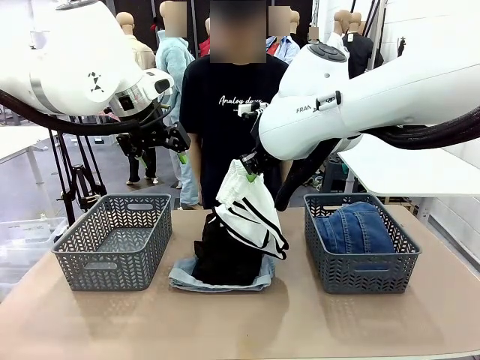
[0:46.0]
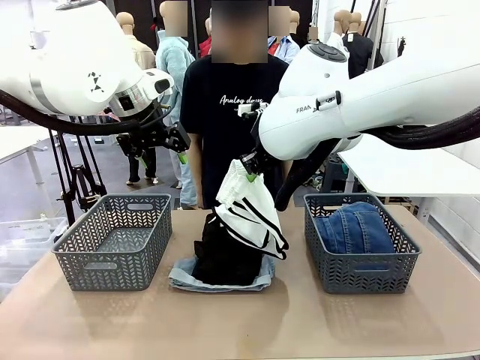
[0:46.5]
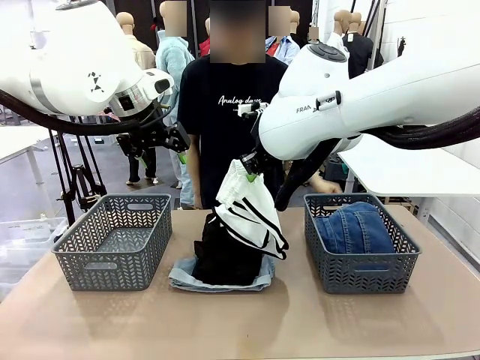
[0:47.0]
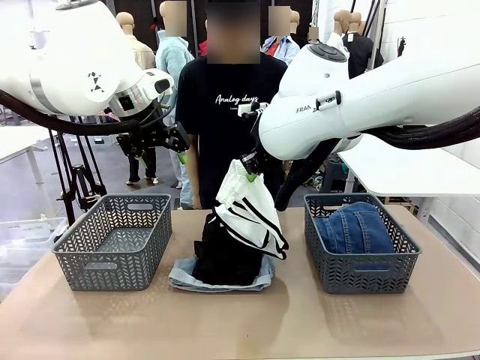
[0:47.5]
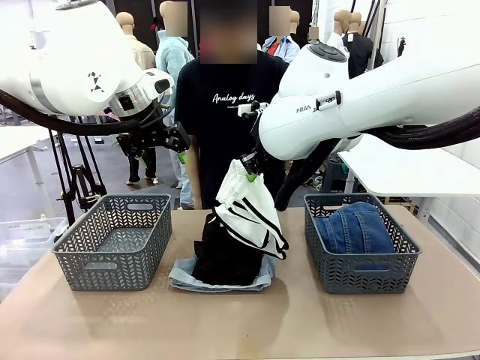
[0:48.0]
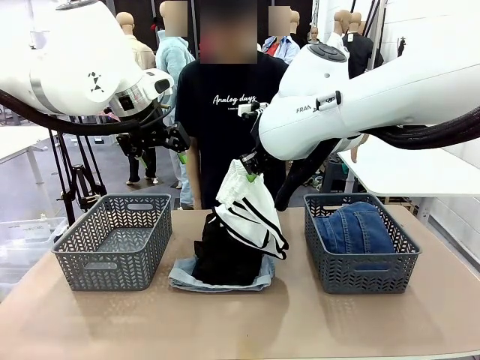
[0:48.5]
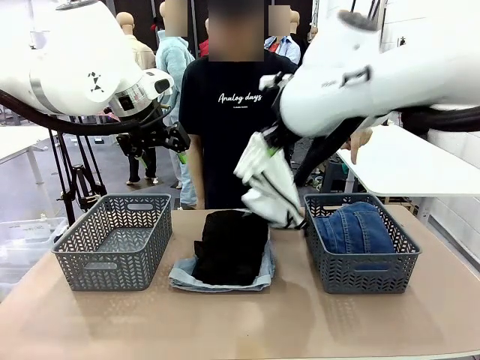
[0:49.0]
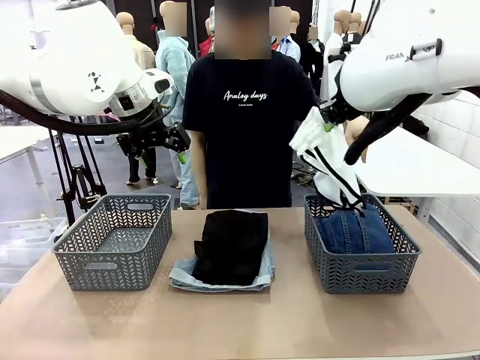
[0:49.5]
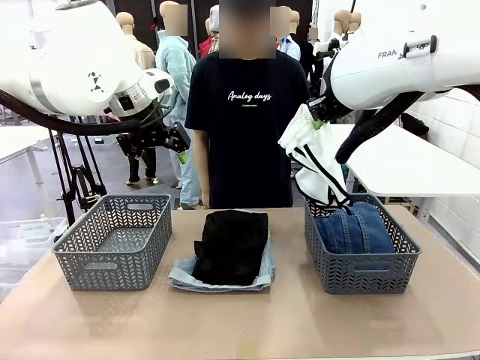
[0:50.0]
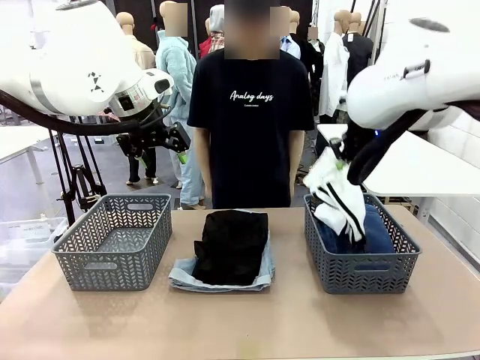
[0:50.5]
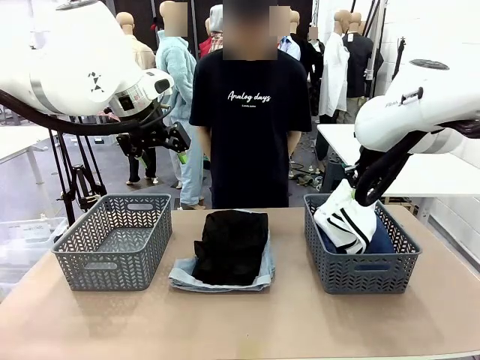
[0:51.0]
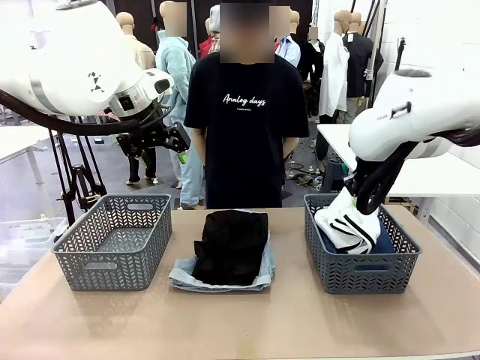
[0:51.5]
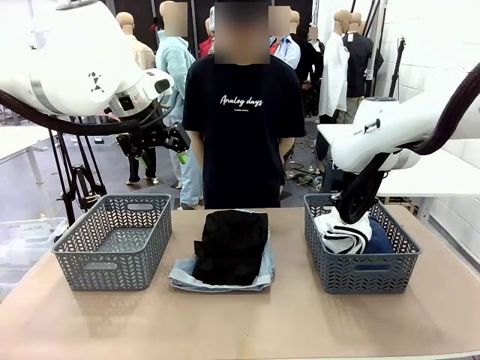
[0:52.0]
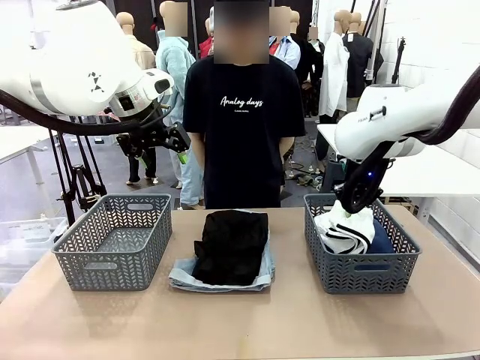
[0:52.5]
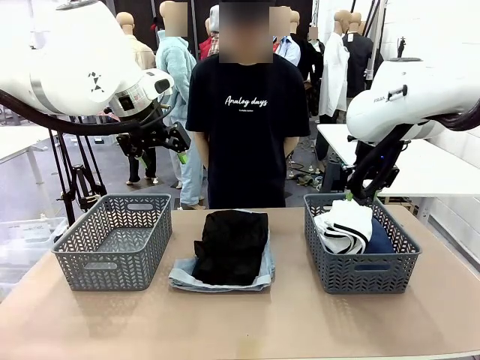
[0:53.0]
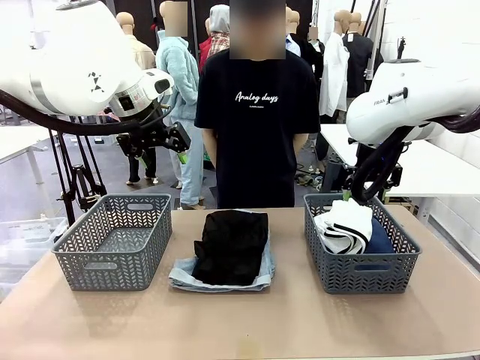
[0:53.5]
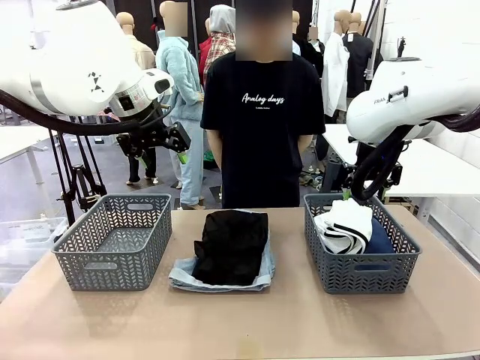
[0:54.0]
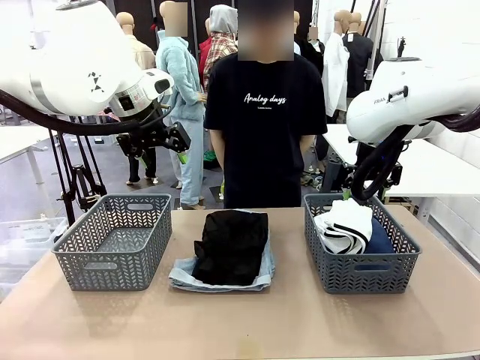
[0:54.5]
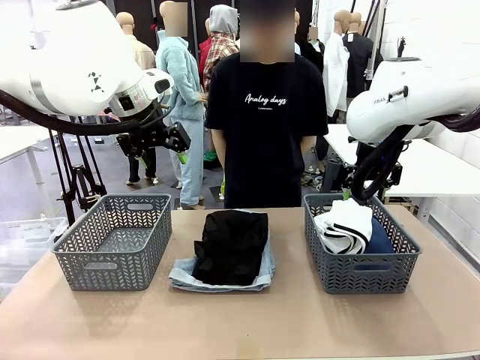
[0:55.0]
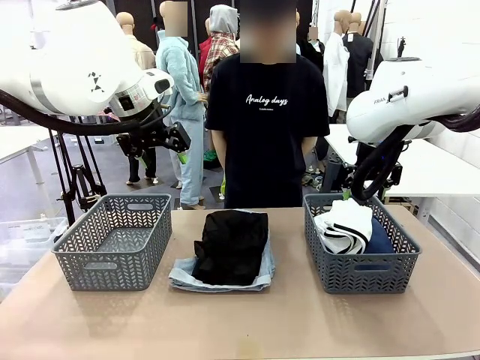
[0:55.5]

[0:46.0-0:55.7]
Task: Sort the tops and bottoms.
Robot: Sort the clothes according to human instructions.

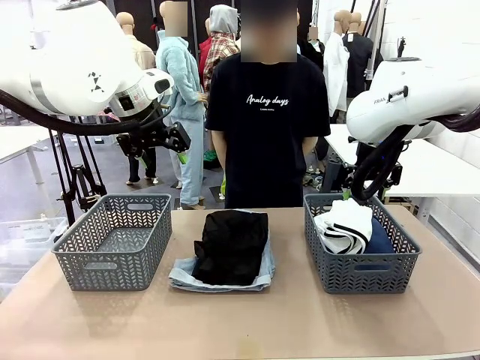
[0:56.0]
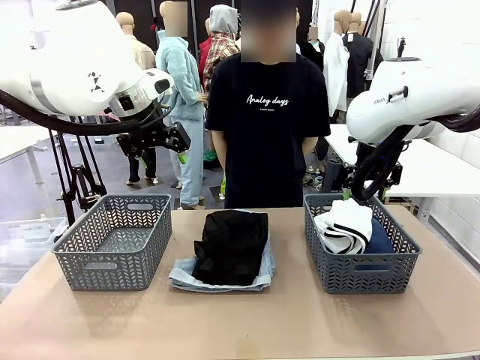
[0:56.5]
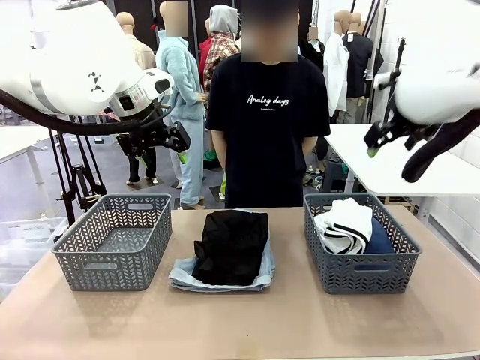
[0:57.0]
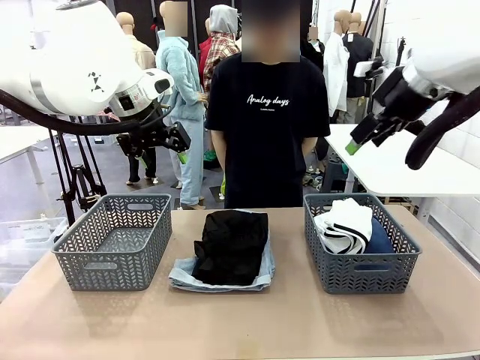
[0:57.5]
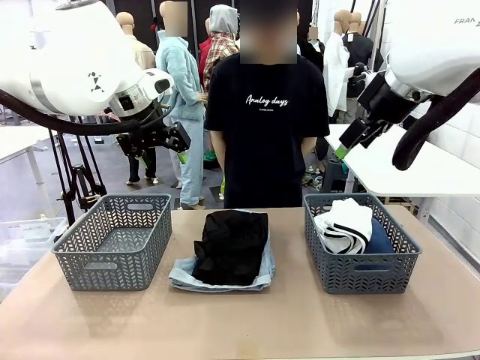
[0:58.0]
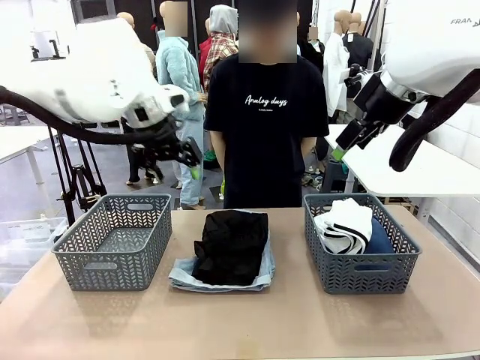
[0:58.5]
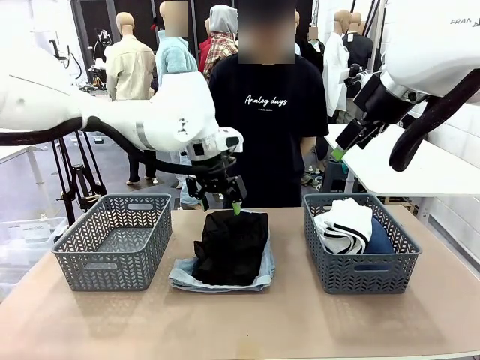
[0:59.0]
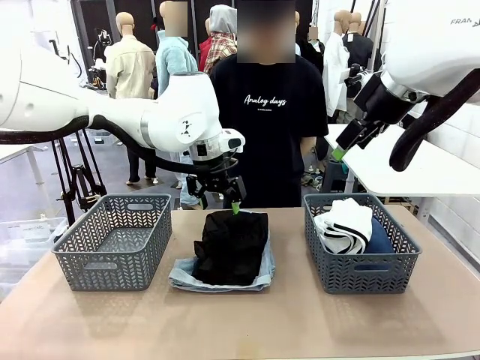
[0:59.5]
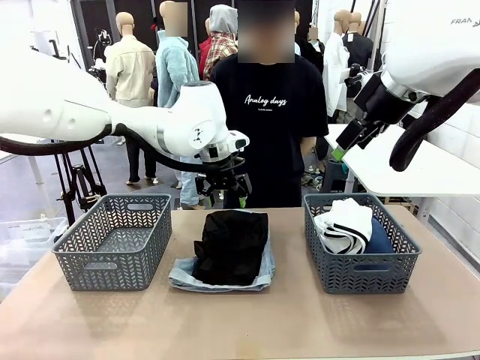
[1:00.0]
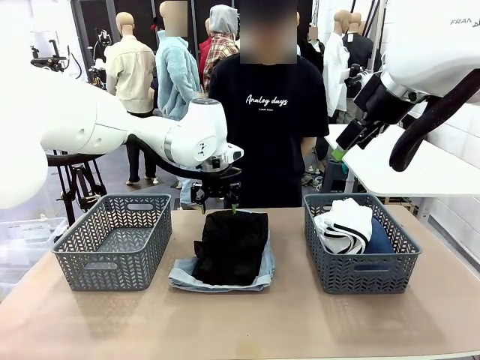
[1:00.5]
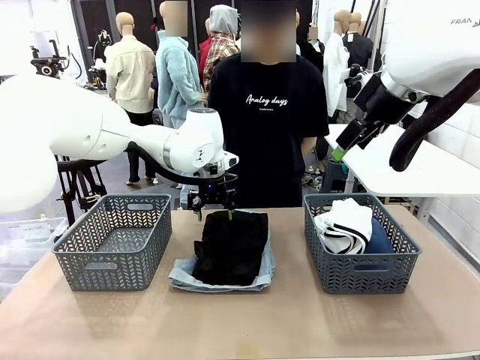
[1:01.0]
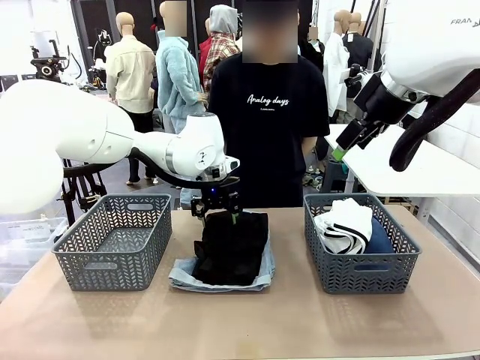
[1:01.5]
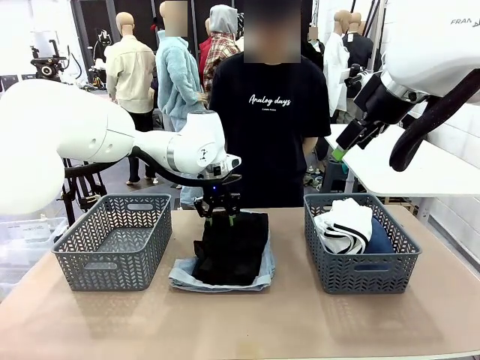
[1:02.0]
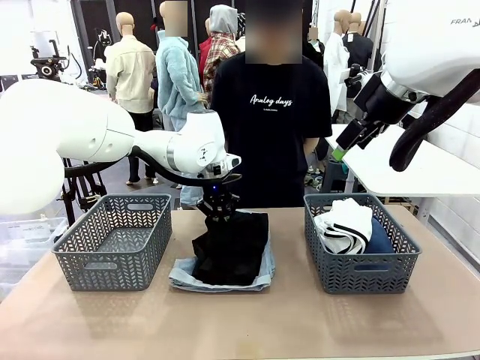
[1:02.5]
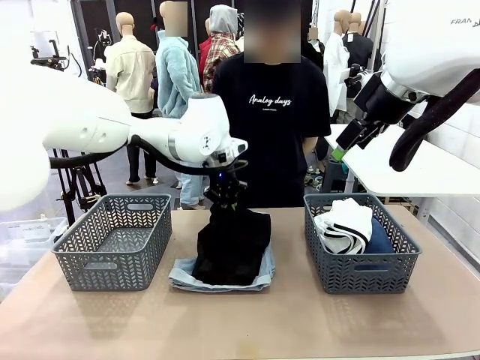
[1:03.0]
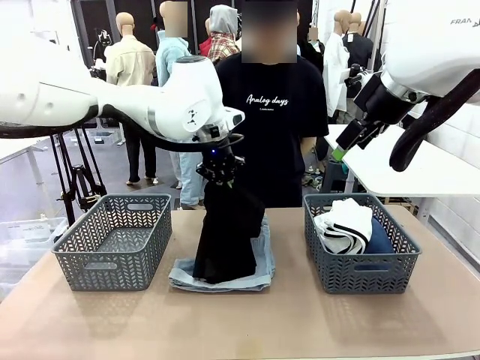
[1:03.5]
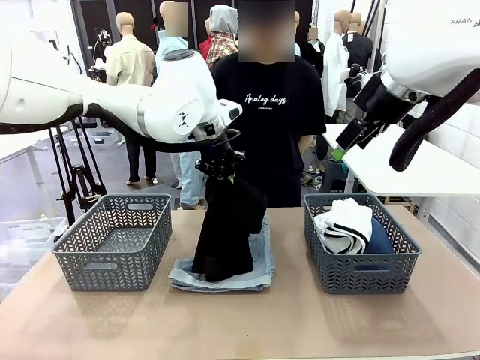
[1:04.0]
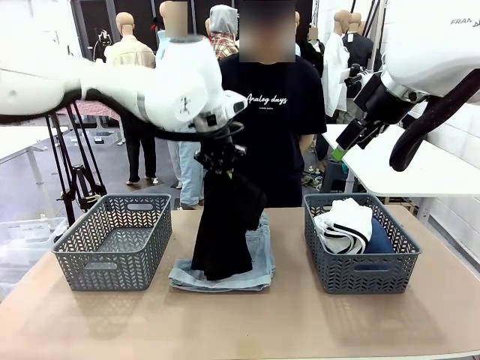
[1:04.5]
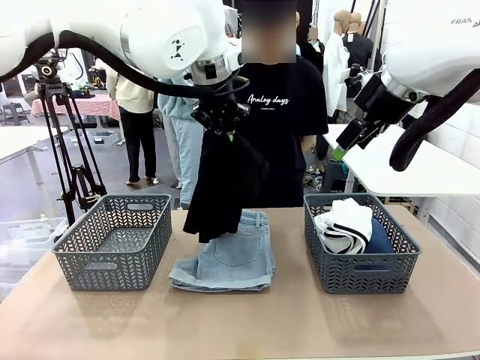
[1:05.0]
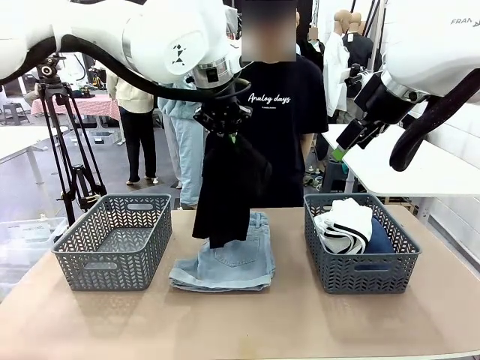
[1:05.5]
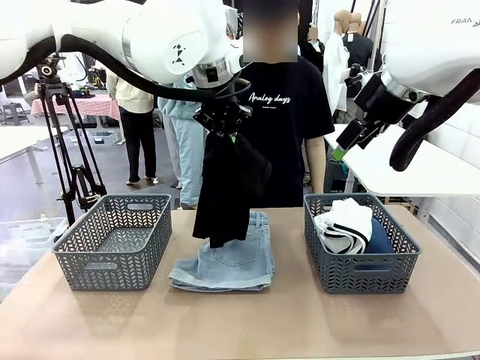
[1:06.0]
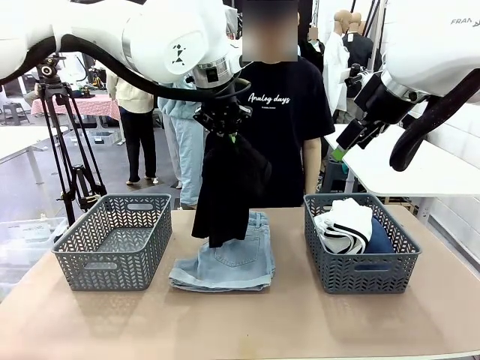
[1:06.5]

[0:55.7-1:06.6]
Robot: Lift clothes from the center of the table with your left hand.

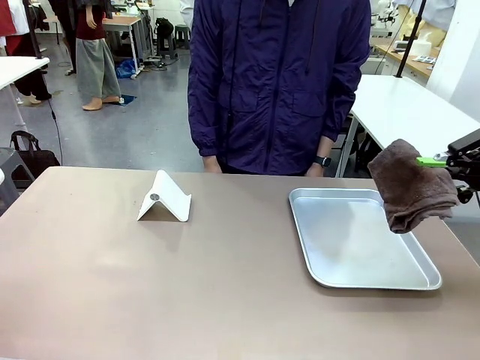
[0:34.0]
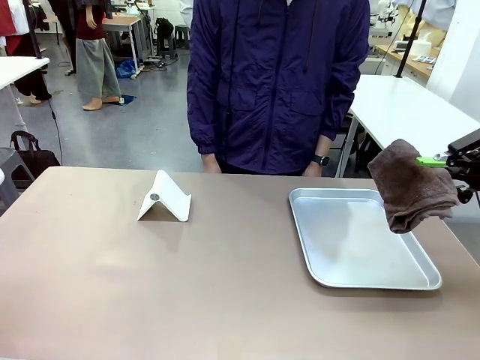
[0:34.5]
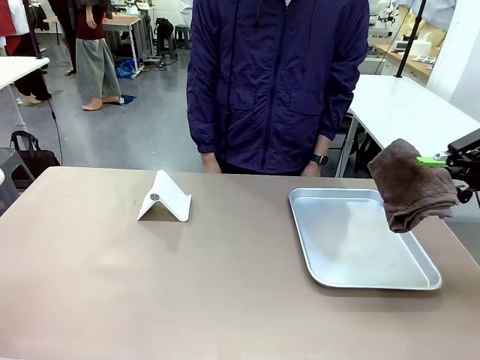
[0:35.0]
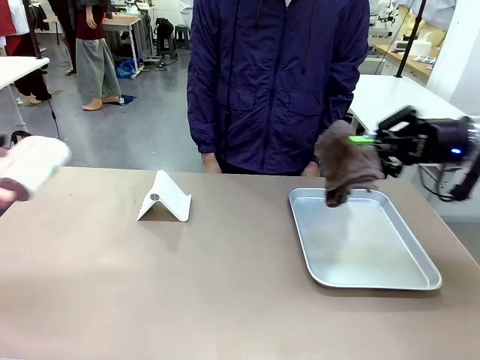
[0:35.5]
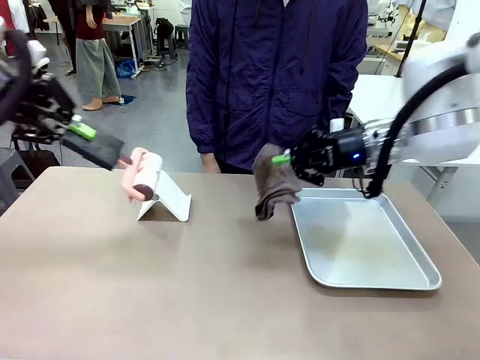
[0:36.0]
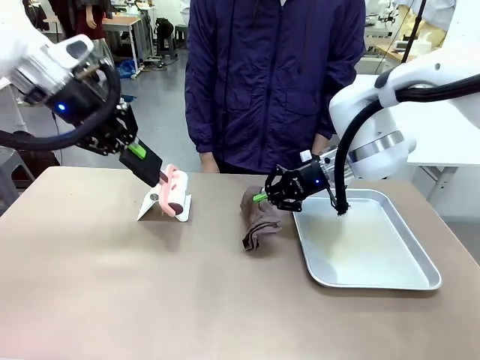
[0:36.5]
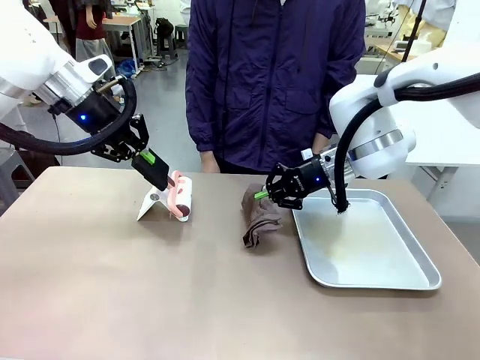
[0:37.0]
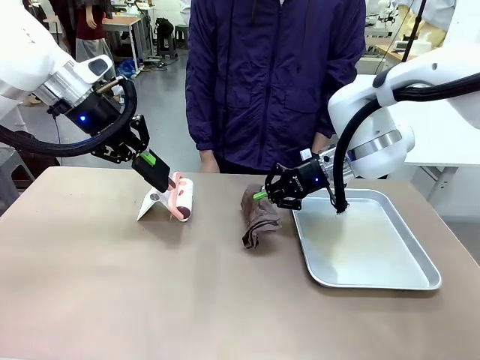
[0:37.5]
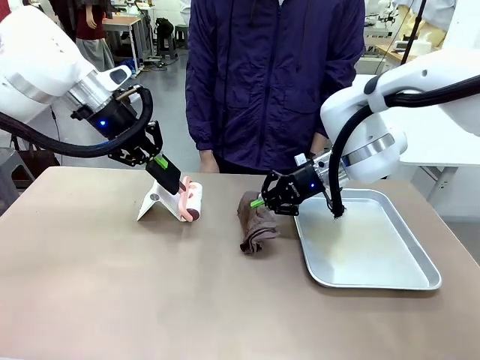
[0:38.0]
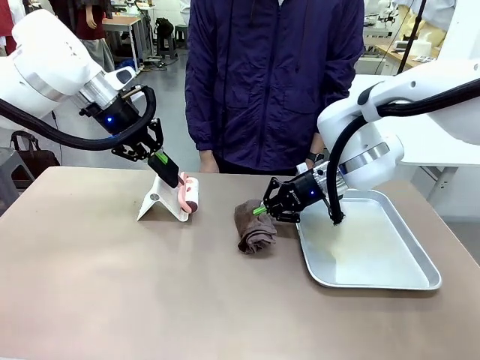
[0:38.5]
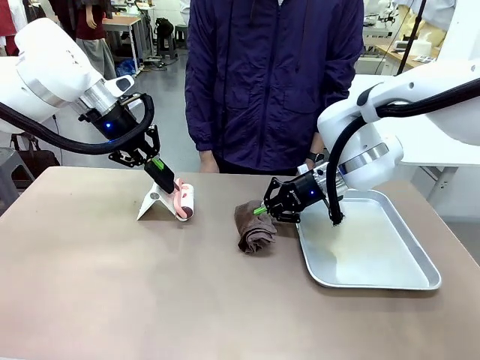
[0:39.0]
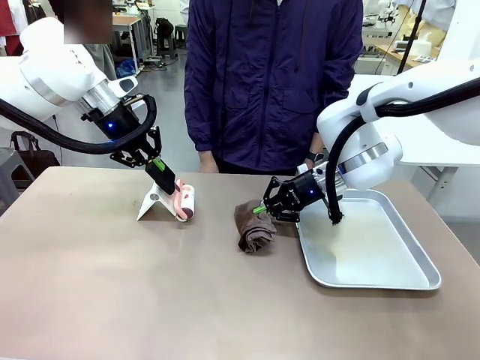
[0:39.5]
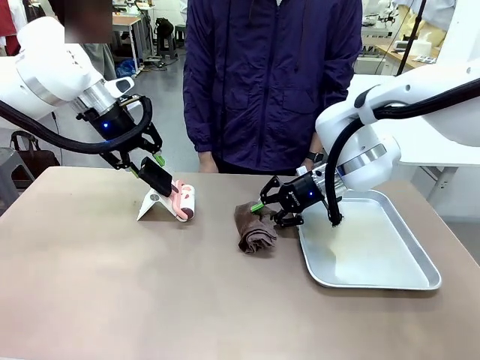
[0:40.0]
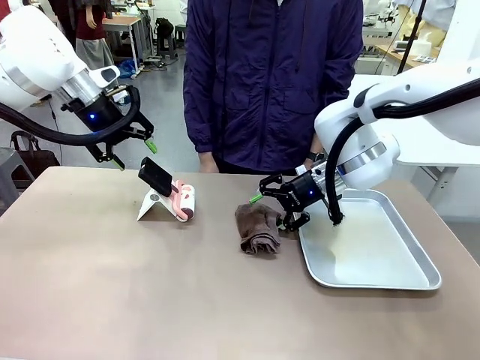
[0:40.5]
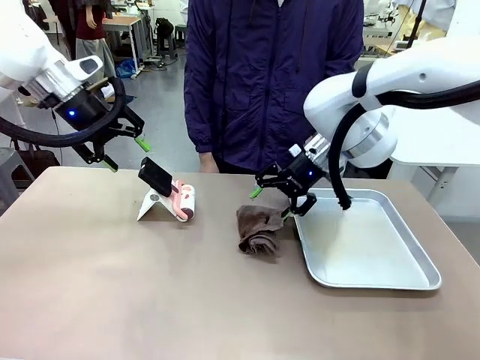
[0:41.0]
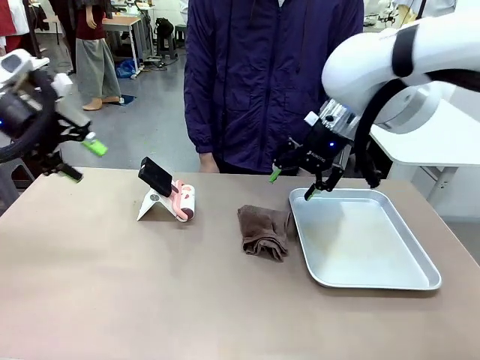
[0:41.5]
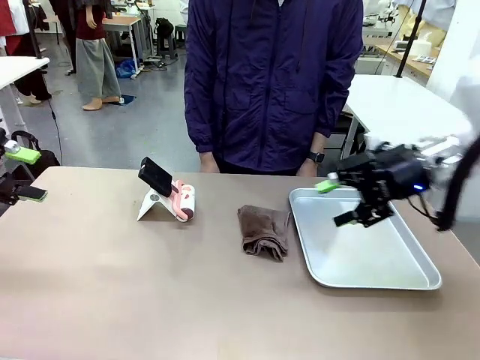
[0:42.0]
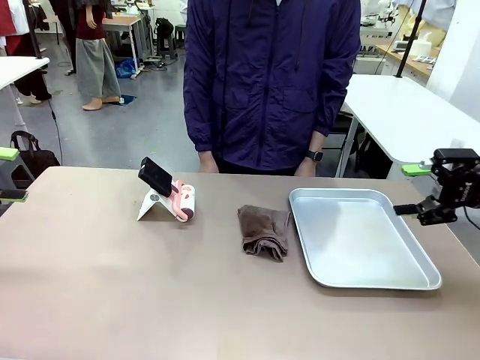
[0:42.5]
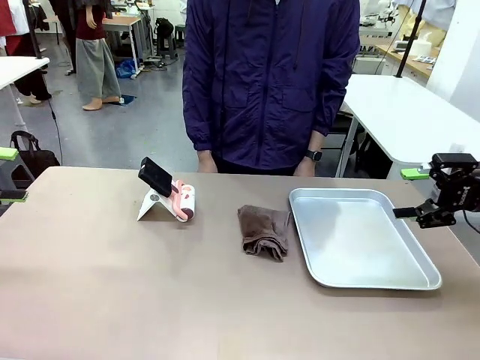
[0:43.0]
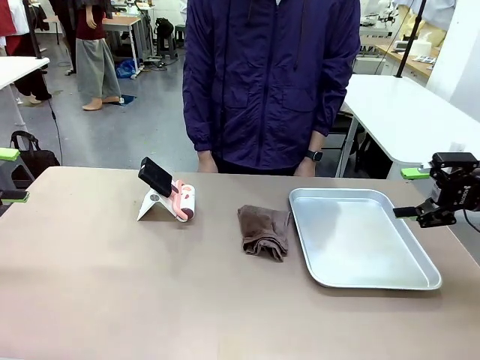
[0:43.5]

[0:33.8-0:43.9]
Task: Clean the surface of the table.
Robot: Return the Lint Roller and towel to their original positions.
